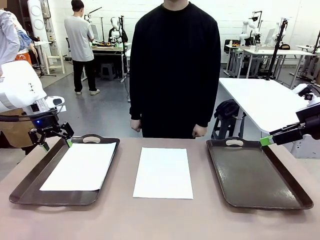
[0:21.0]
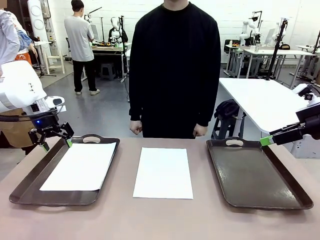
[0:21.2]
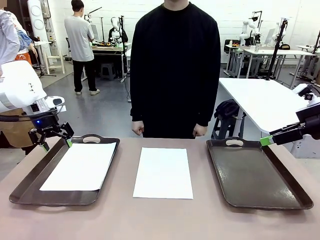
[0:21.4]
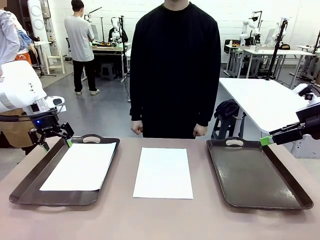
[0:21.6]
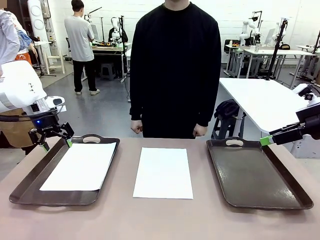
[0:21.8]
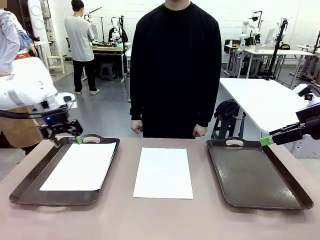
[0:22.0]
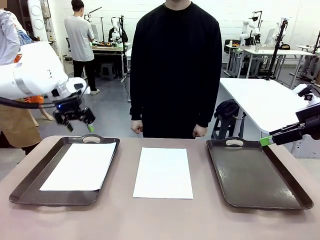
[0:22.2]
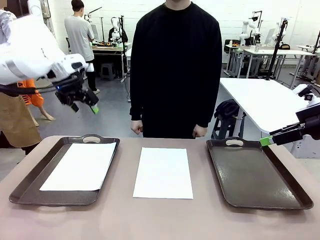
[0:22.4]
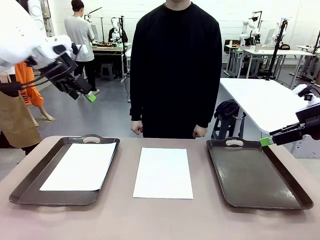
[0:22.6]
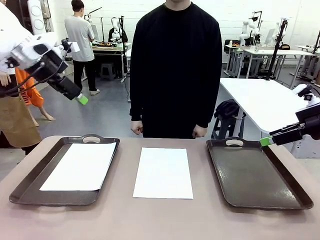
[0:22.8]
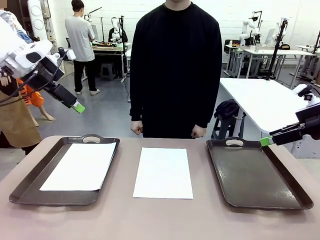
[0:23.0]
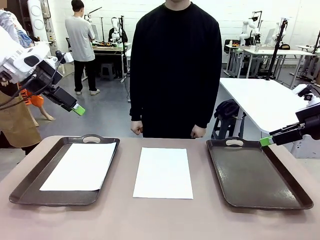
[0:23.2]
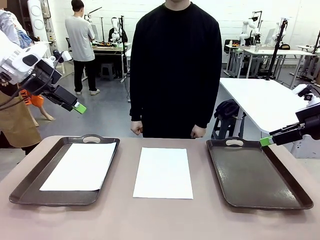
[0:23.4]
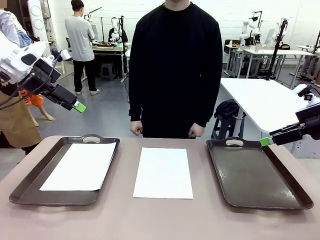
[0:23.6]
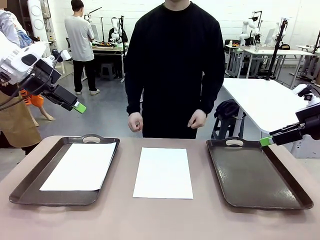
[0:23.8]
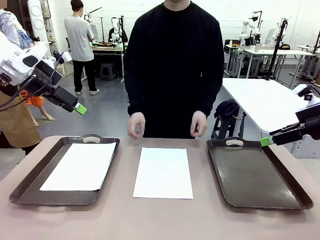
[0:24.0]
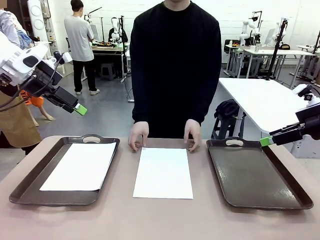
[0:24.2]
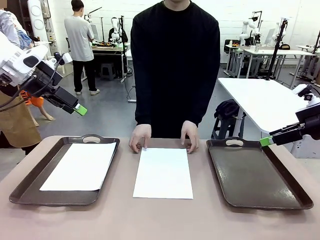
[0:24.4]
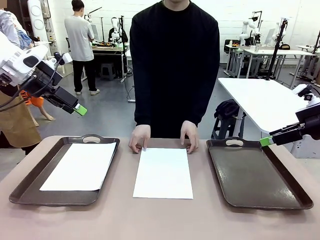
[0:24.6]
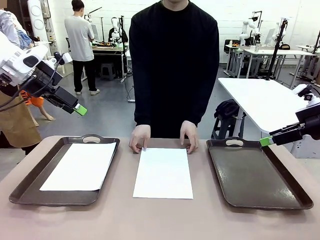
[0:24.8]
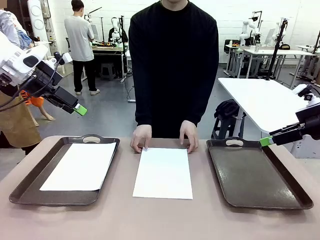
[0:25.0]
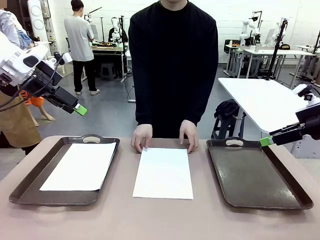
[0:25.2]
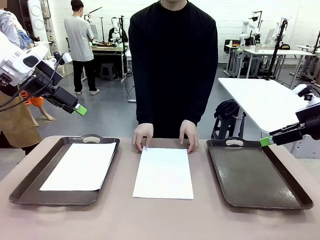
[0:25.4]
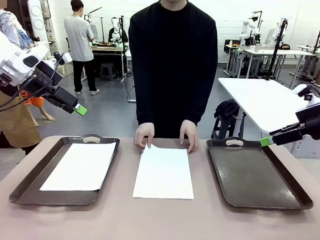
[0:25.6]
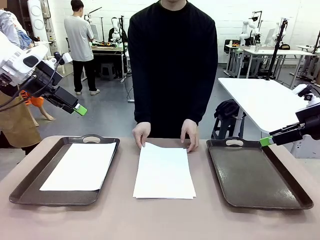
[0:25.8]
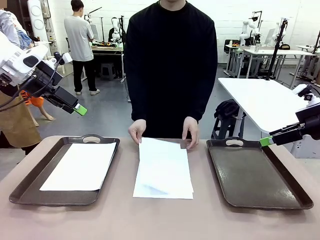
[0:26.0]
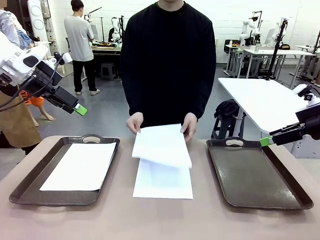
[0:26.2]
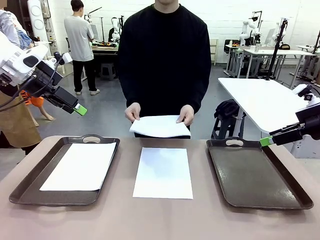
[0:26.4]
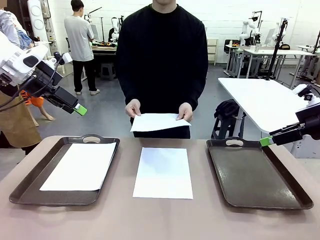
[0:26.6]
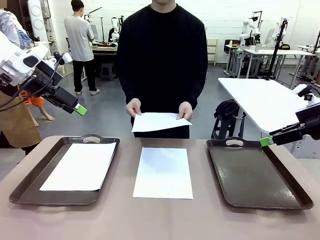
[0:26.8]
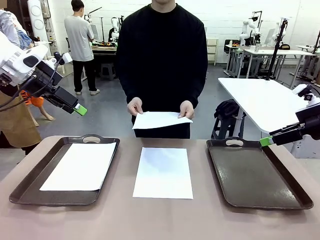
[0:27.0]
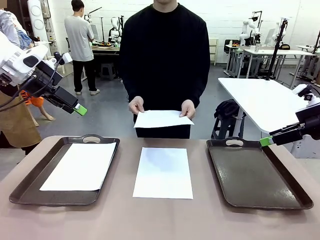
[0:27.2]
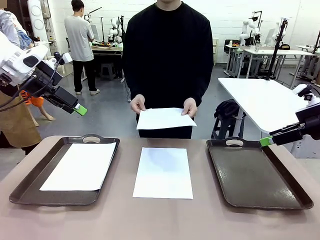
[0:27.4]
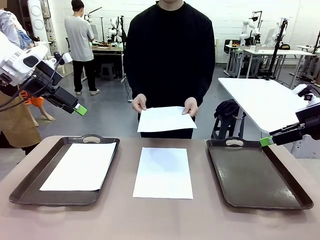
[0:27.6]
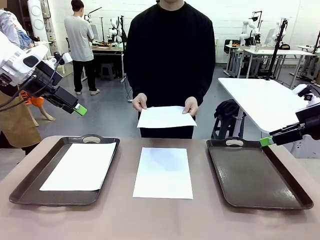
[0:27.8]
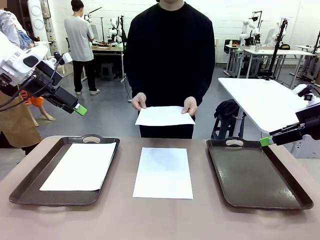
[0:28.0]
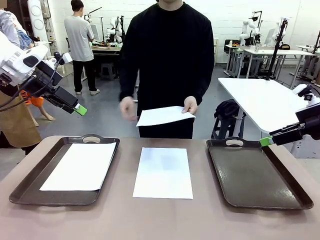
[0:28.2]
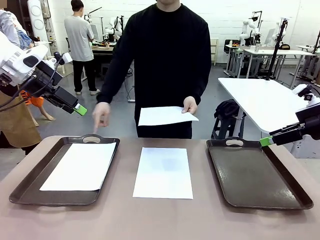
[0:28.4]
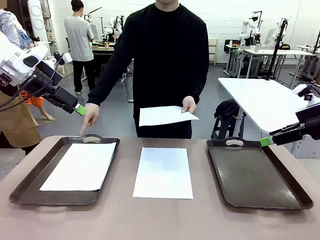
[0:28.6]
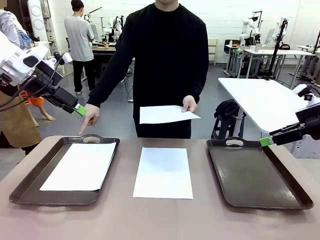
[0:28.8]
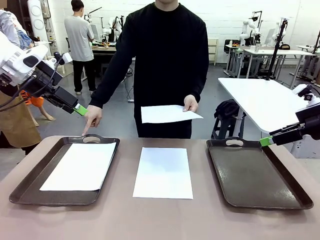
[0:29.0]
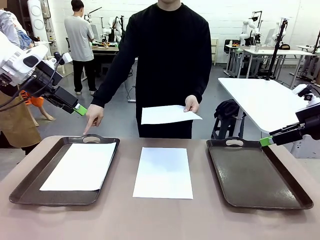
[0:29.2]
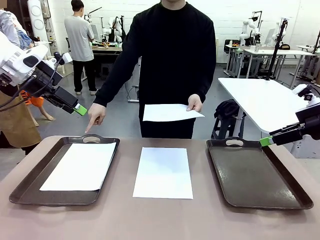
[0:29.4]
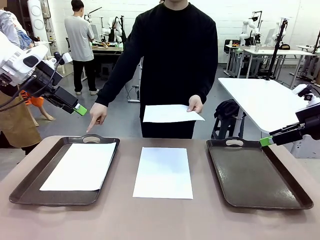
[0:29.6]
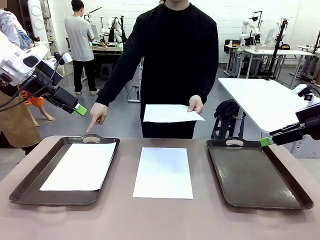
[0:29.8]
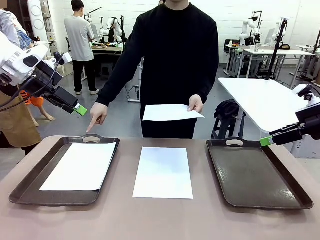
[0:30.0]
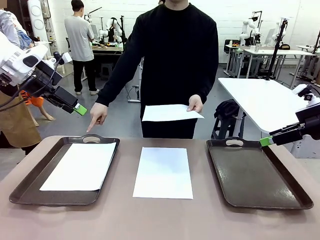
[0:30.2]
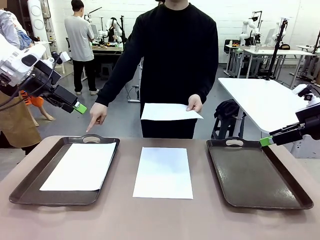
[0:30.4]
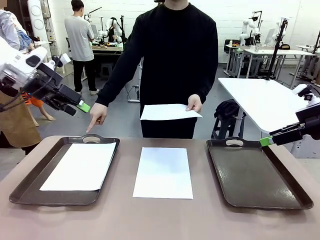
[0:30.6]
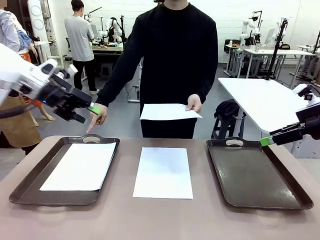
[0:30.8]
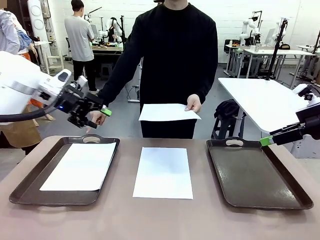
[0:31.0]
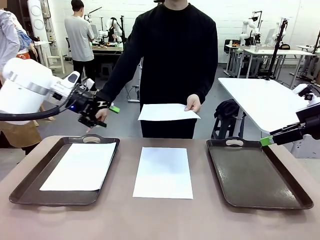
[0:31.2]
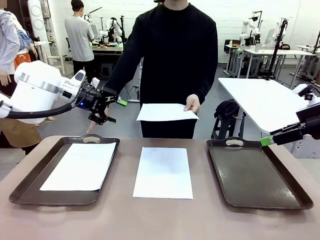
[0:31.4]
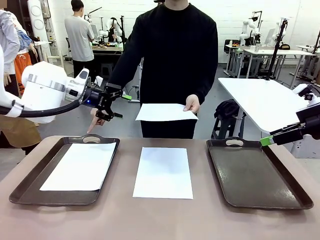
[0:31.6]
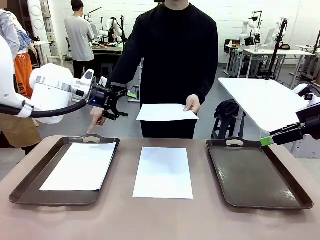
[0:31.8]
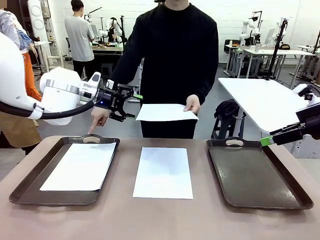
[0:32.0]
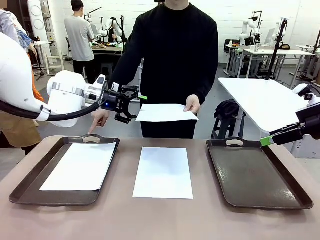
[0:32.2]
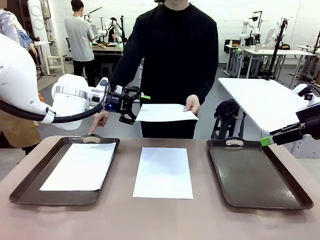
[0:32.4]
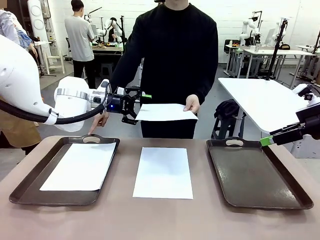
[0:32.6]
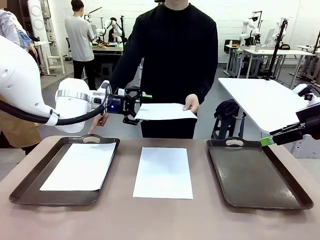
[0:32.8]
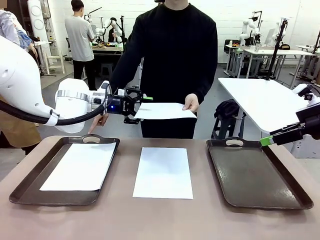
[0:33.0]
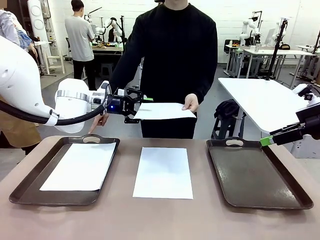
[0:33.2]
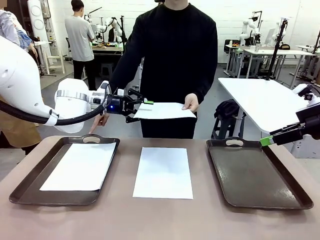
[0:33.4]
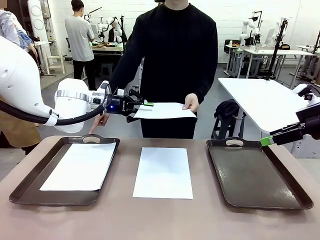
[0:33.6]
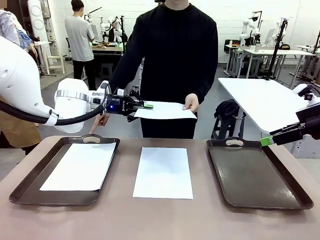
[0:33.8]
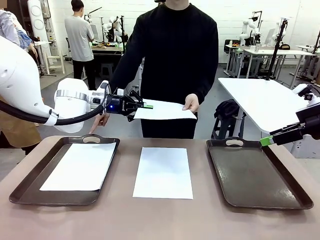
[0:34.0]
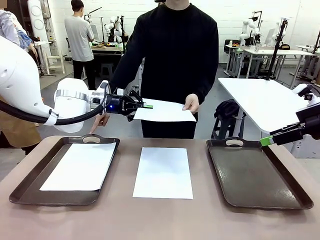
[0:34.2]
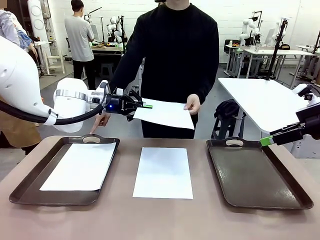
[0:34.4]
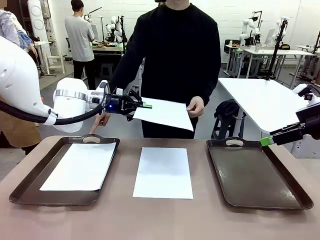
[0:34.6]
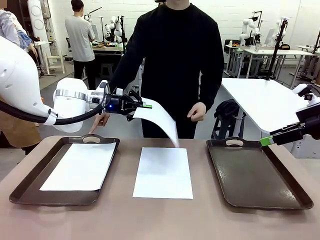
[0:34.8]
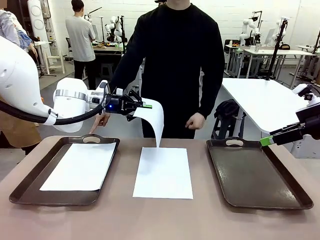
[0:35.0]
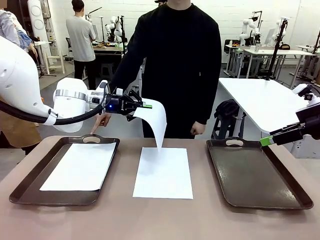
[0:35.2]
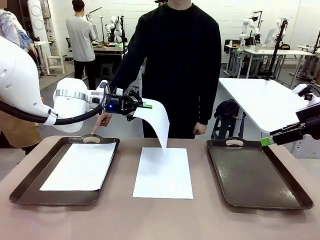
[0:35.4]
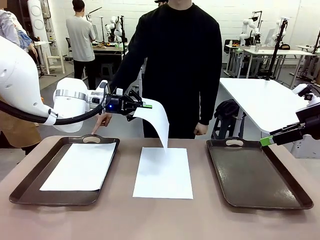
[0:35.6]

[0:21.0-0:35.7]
Task: Sort the A4 documents.
Robot: Receive the A4 Paper.
Person: Point the randomly selected tray with the other hand.

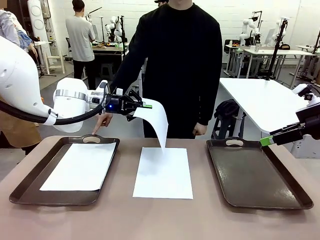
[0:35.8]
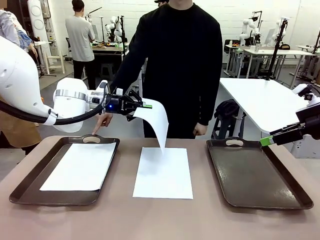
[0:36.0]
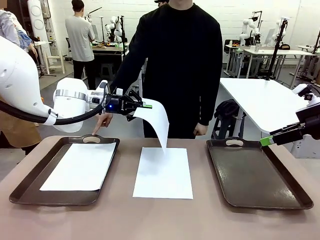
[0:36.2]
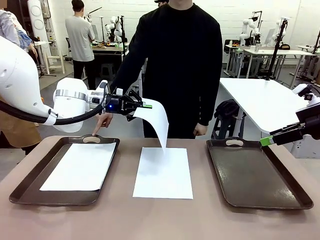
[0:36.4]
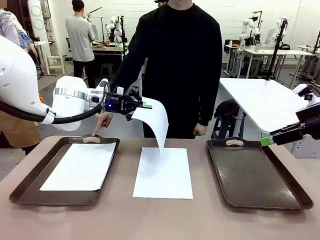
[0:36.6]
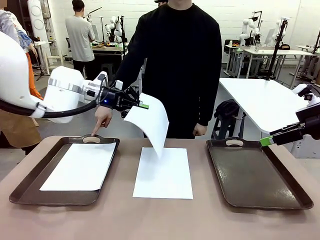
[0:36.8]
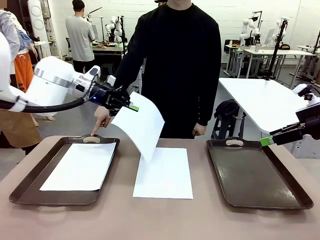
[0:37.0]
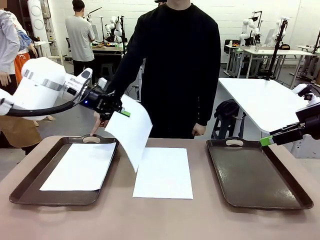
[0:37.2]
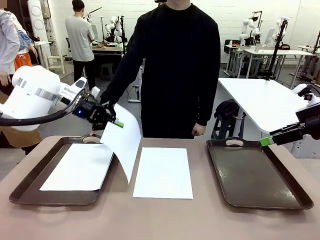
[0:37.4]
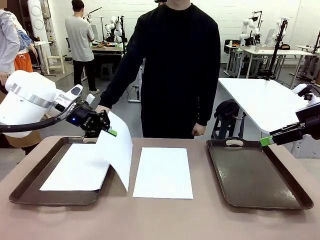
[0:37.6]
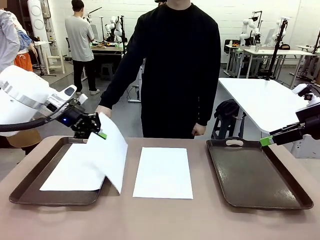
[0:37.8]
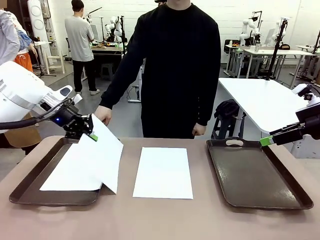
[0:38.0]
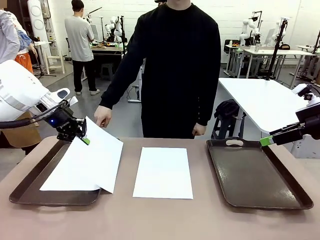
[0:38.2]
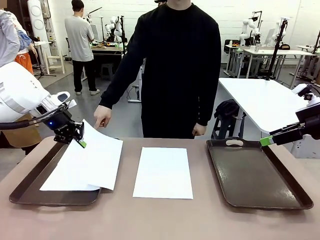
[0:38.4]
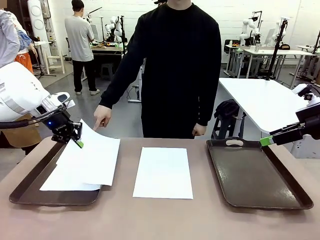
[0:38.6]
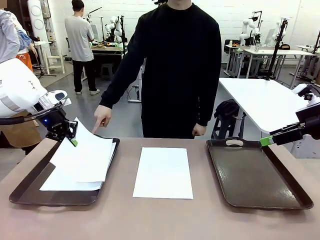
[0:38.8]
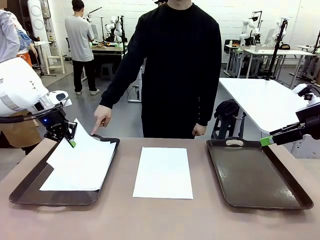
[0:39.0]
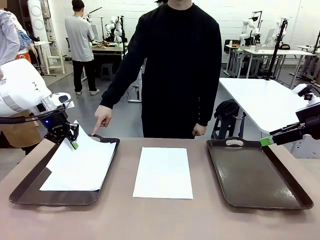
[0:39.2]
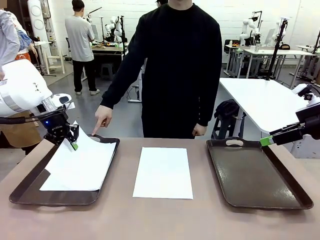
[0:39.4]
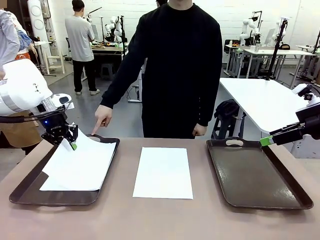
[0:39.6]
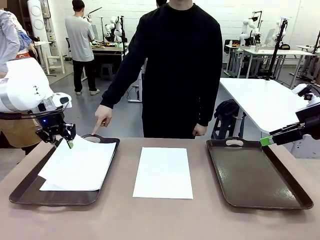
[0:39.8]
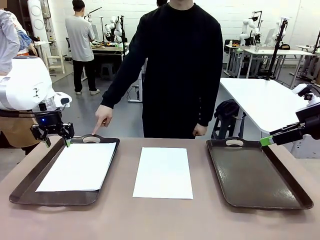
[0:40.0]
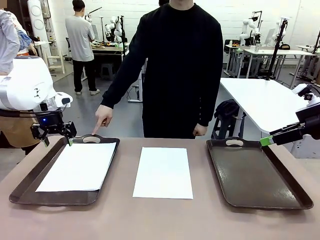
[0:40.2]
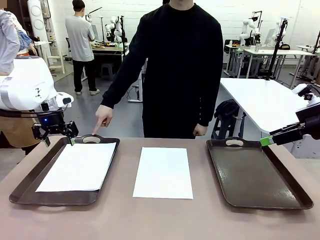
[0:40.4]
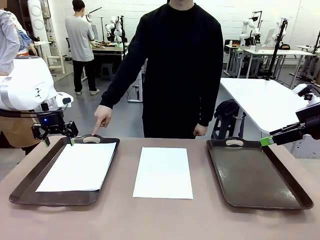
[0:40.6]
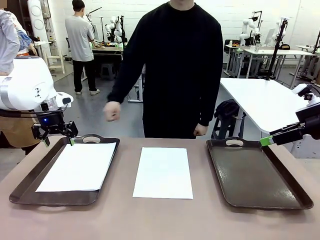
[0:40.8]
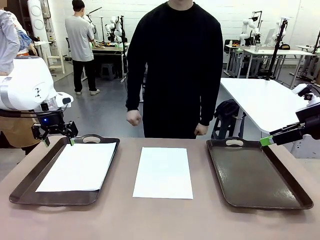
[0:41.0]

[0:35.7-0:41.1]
Robot: Place the A4 Paper in the designated Handle tray.
